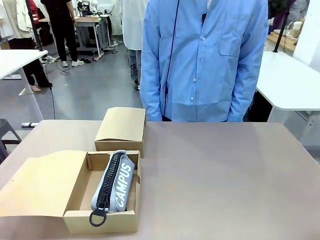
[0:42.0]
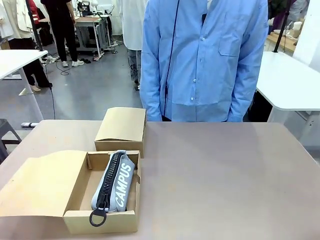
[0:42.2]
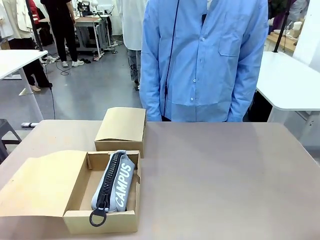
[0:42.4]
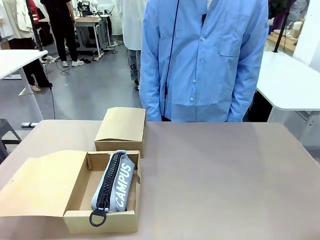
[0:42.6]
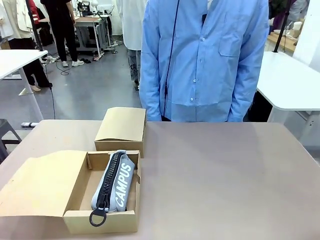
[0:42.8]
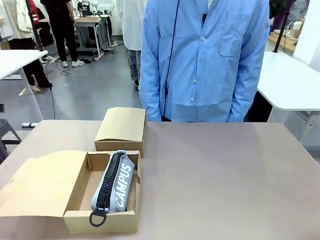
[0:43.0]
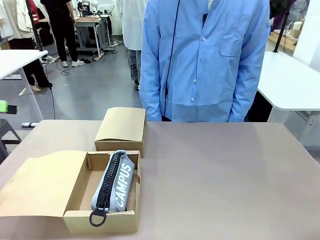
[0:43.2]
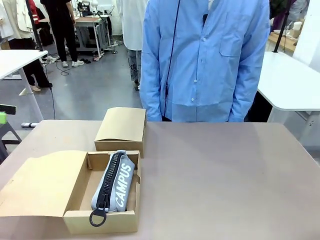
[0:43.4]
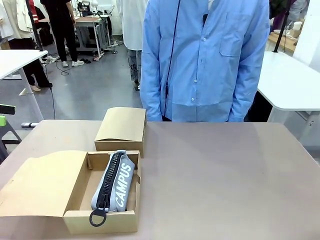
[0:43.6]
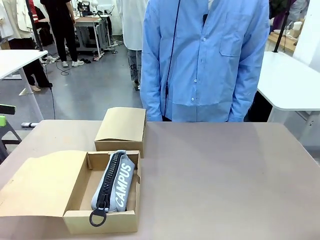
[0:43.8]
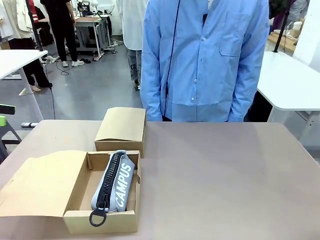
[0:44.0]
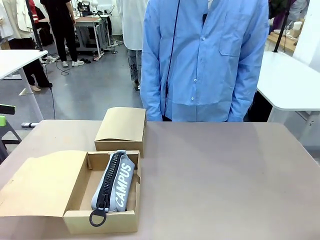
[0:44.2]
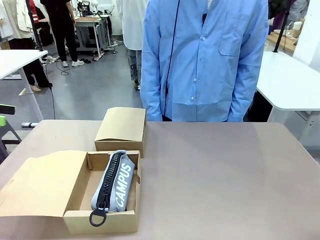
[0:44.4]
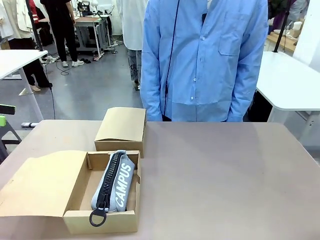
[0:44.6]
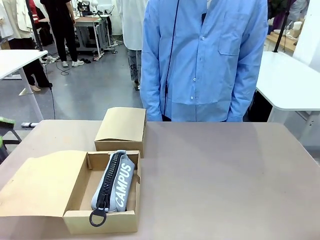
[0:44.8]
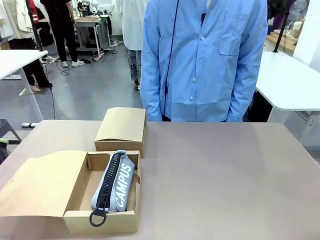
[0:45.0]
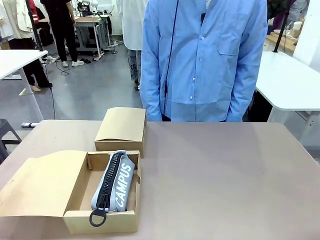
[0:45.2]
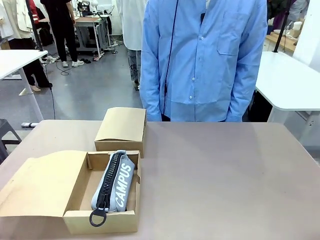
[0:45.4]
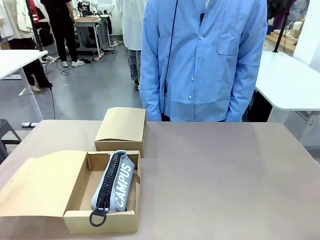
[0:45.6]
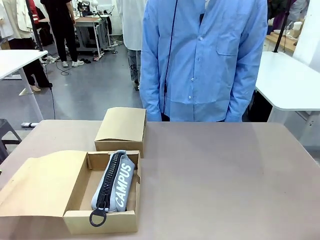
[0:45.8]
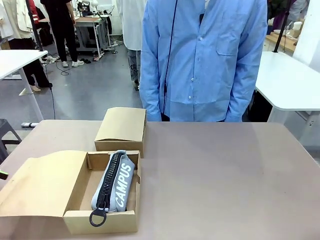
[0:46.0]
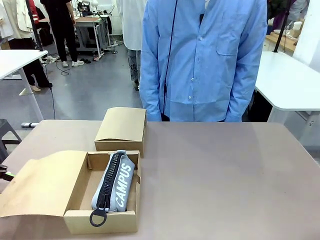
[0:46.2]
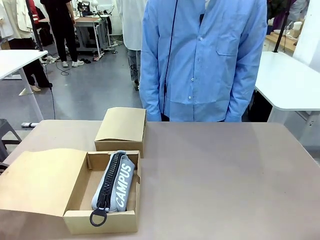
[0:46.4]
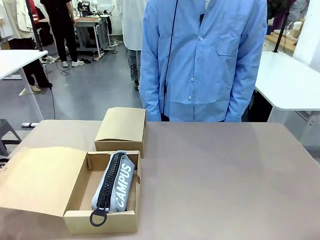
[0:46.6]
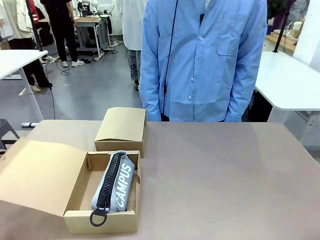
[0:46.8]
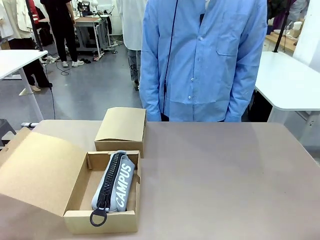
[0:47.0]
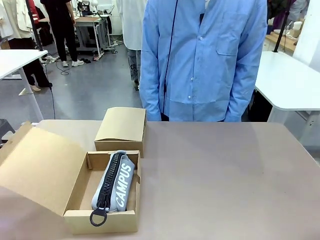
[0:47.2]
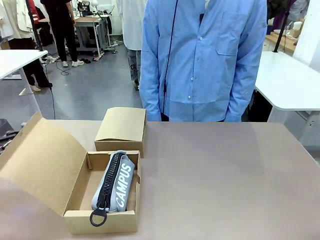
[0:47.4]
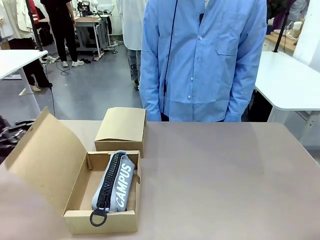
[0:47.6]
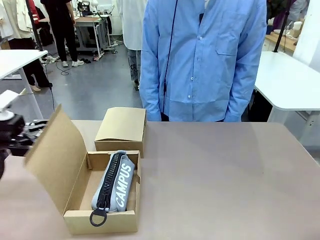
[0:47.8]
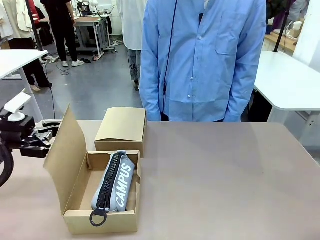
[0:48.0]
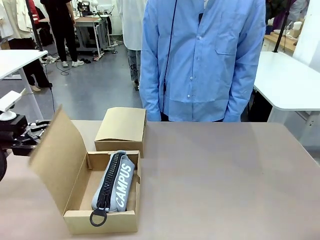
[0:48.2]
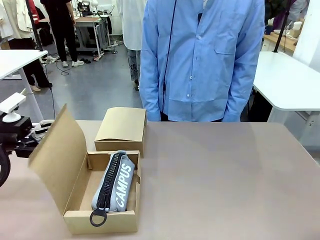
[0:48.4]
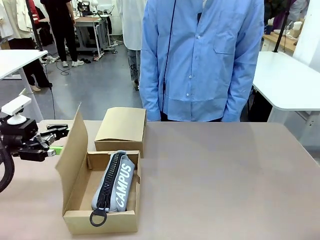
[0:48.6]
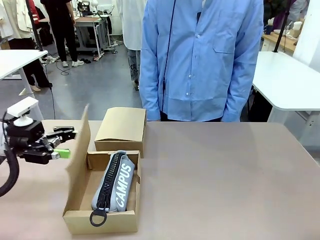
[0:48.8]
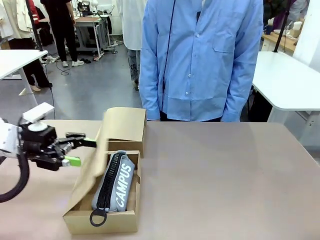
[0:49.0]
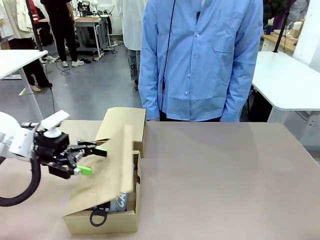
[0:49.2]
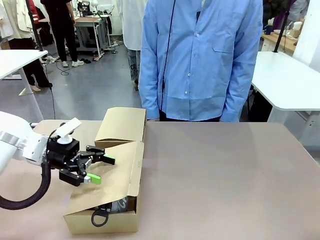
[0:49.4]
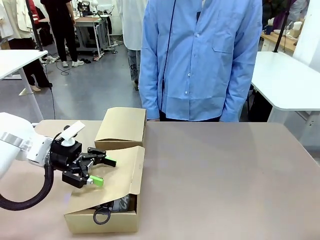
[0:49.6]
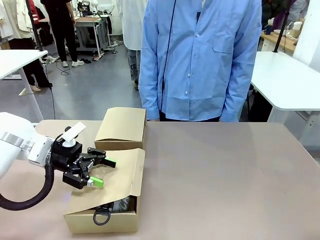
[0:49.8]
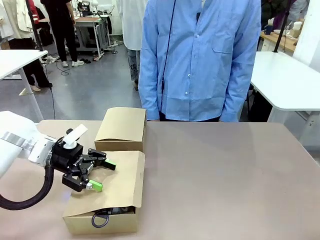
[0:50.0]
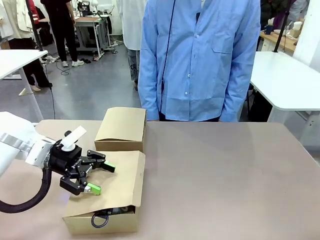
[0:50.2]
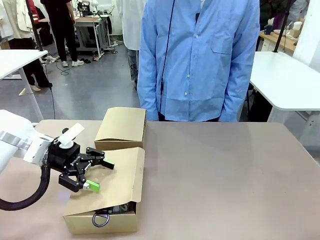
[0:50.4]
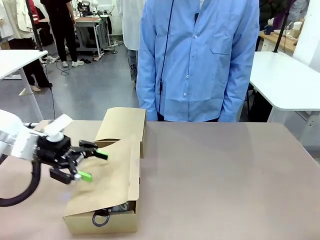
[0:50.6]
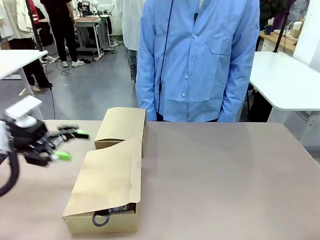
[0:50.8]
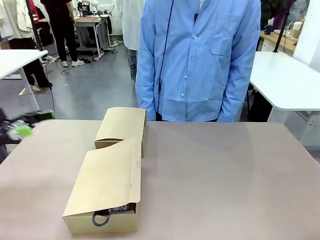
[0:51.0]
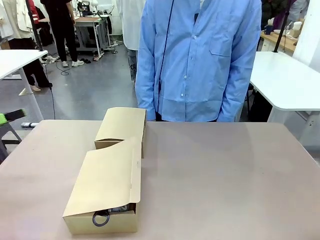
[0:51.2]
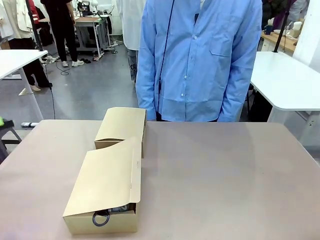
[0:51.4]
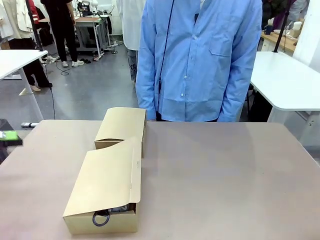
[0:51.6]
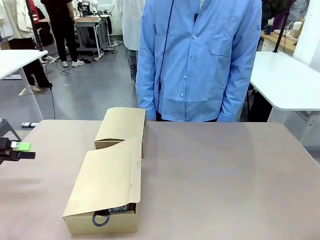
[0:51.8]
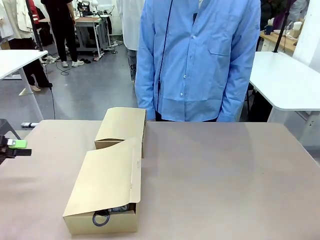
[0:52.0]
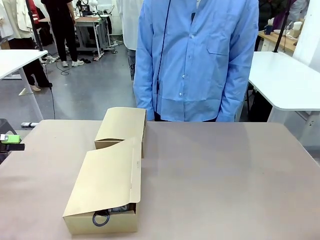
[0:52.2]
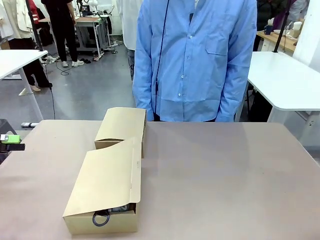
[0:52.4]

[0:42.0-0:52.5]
Task: Place items inside the box.
Robot: Close the lid of the Mailer Box closest to the robot.

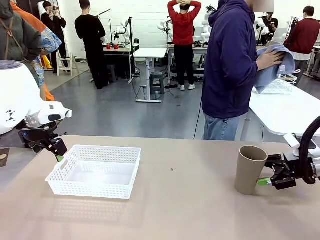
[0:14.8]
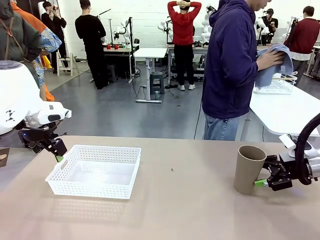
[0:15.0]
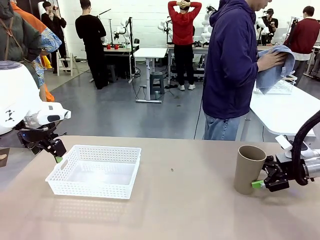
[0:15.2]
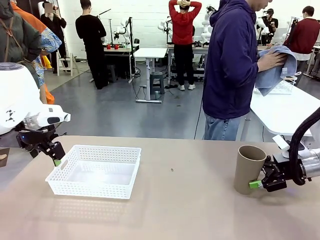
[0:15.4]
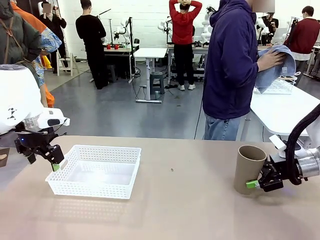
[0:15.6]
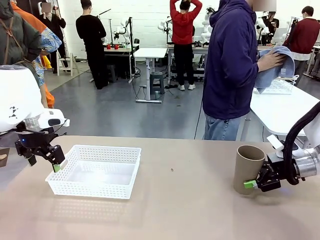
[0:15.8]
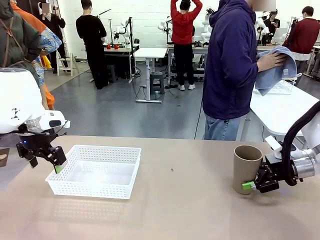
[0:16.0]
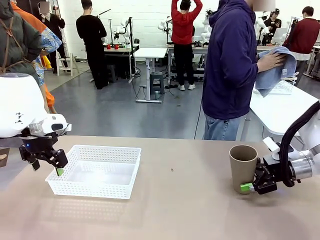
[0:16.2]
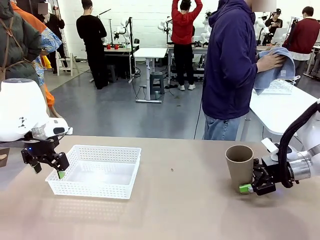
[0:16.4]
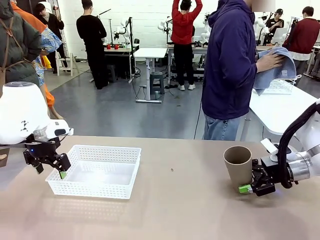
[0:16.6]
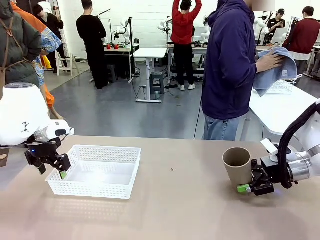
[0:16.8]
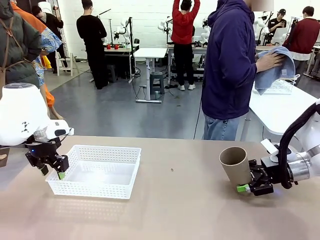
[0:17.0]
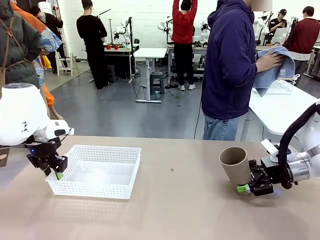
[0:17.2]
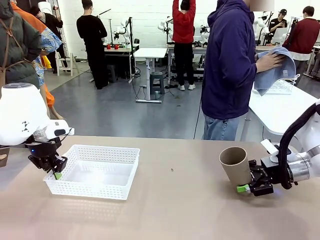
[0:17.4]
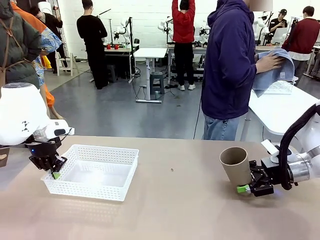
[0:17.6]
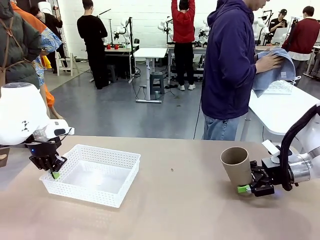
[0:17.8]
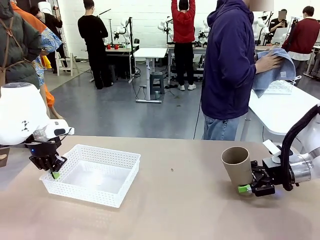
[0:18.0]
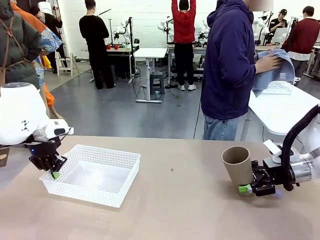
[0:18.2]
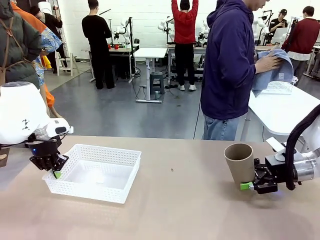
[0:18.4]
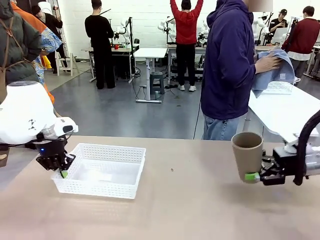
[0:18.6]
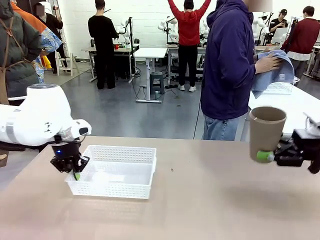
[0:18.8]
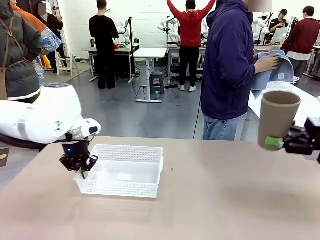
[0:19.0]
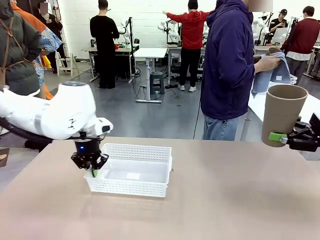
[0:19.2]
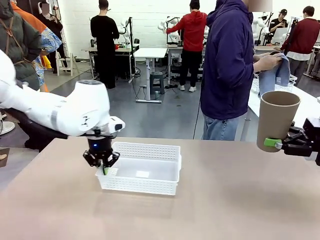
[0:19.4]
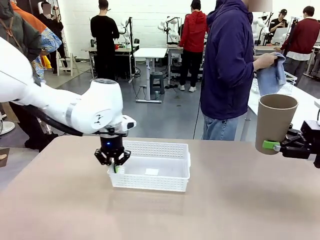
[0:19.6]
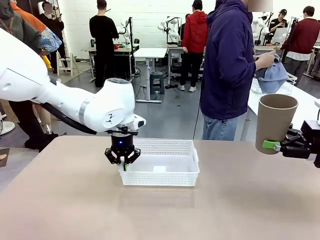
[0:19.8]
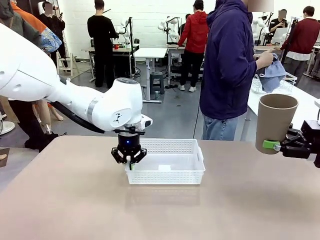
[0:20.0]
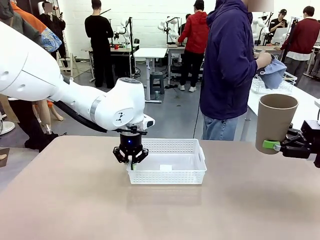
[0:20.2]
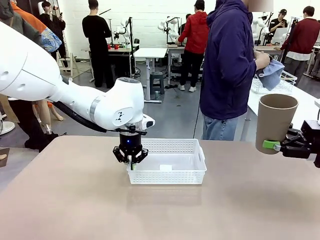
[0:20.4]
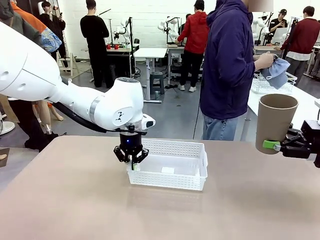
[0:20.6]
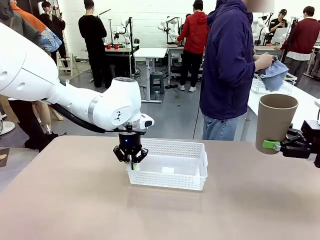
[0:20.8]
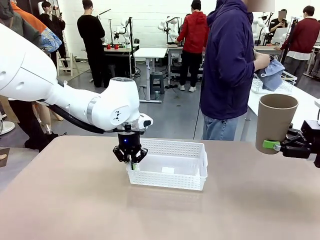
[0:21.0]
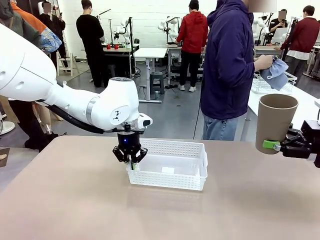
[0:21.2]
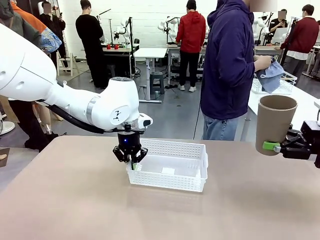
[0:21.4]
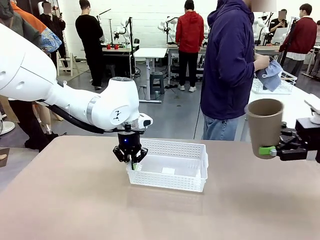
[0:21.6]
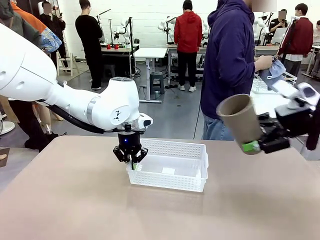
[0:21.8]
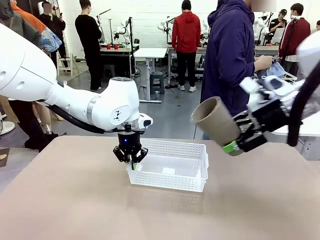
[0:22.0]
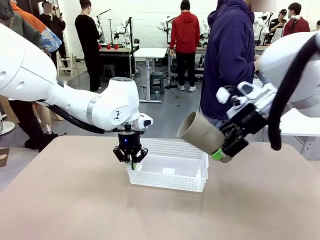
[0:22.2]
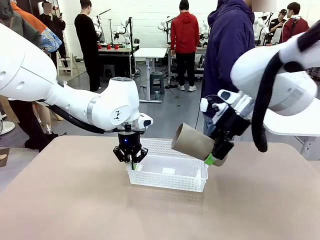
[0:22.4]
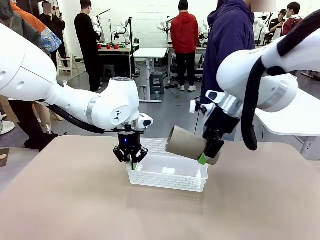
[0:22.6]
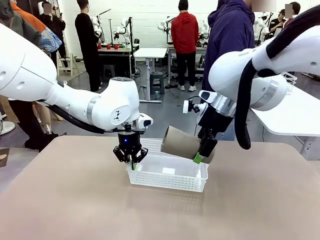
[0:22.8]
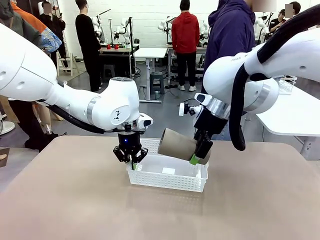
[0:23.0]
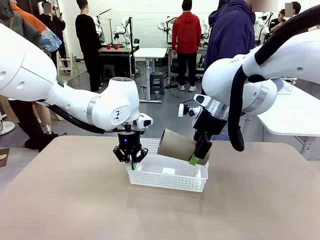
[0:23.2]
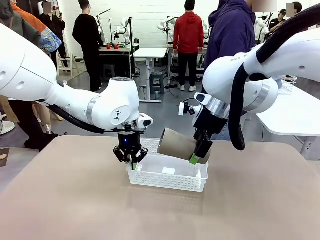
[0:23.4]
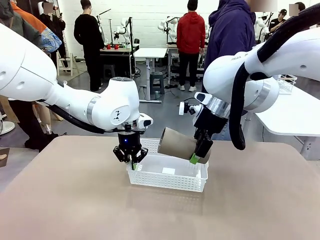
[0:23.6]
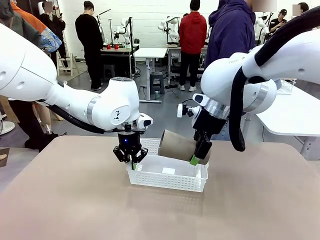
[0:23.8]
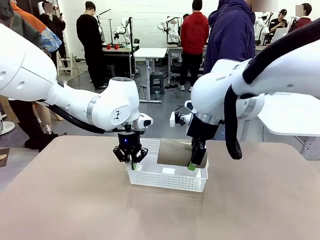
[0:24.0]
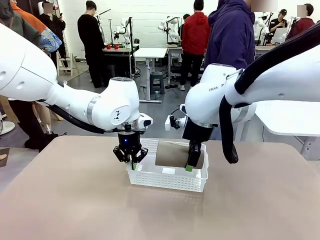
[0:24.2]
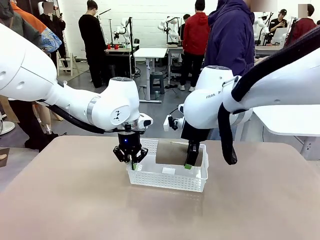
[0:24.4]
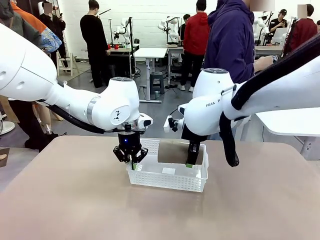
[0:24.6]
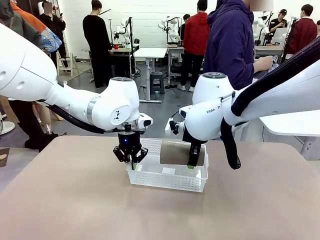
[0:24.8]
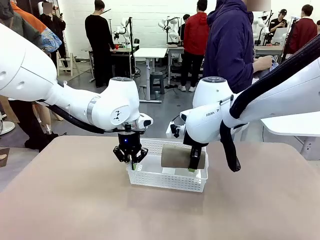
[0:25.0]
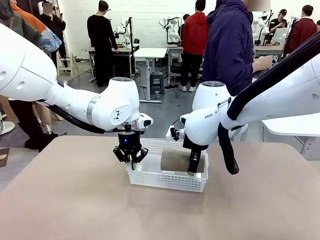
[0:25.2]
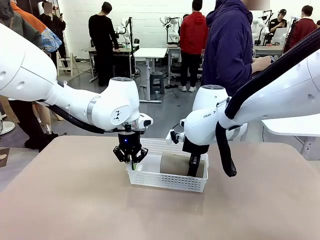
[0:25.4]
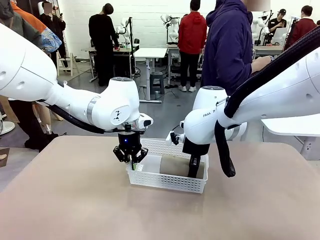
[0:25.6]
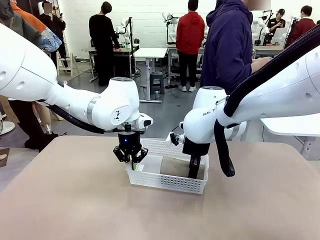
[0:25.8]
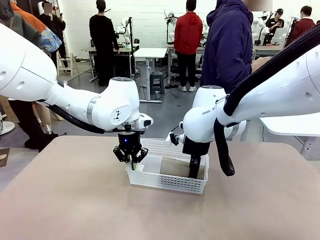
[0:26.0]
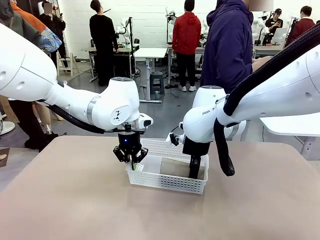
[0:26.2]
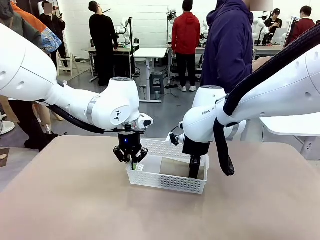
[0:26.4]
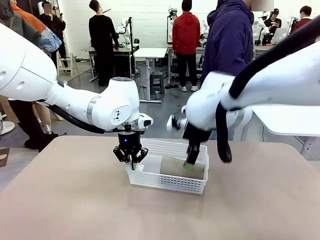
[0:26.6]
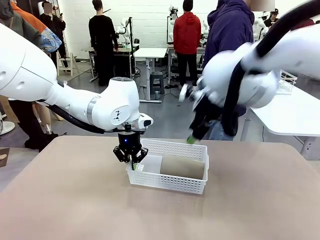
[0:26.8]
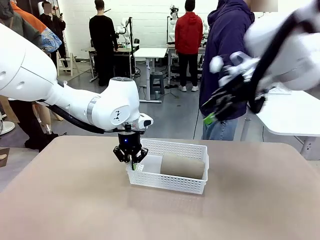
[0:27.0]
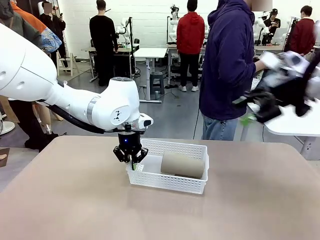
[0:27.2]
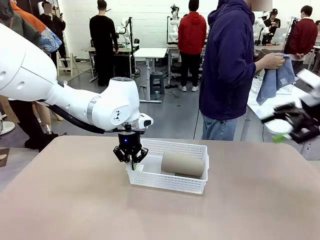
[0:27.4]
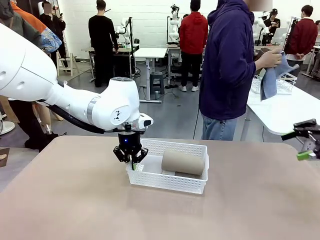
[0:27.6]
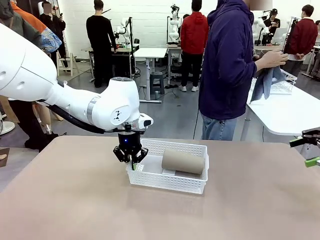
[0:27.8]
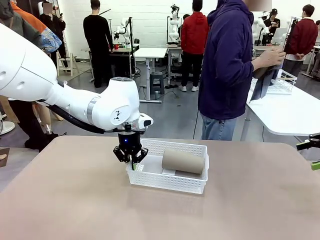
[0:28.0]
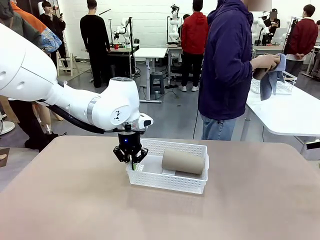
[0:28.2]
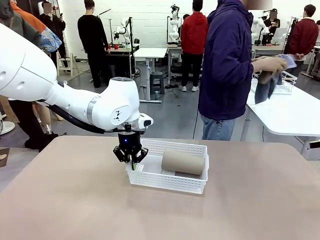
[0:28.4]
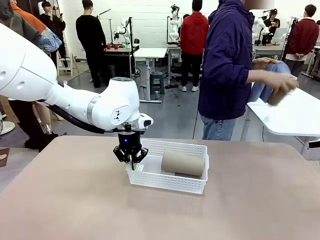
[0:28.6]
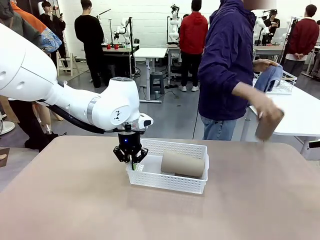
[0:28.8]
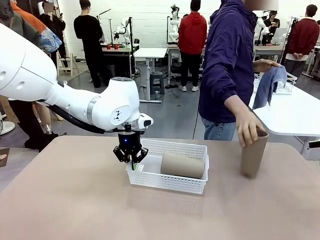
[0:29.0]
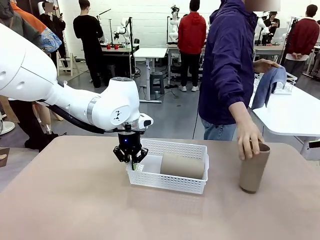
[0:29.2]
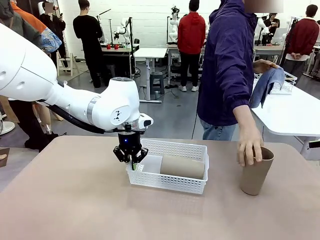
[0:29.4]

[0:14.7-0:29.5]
Task: Clean and organize the cups into the basket.
Robot: Pick up the Organizing basket and move it to the center of the table, then pick up the Reusable plastic cup from the right side of the table and place it inside the Organizing basket.
